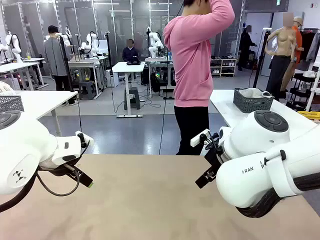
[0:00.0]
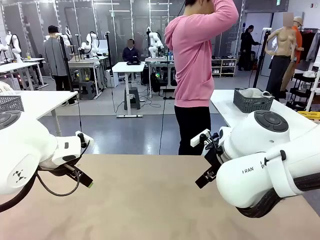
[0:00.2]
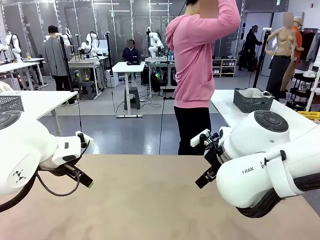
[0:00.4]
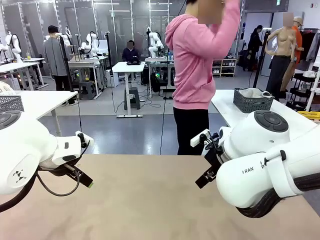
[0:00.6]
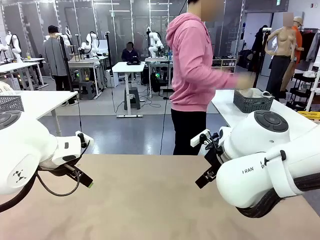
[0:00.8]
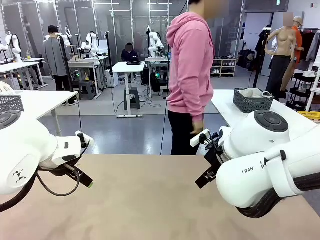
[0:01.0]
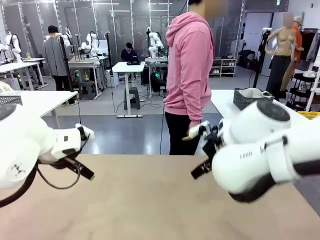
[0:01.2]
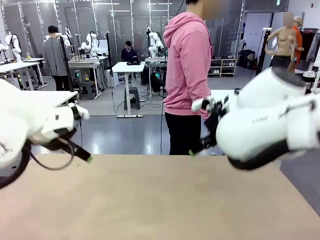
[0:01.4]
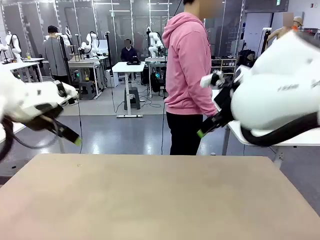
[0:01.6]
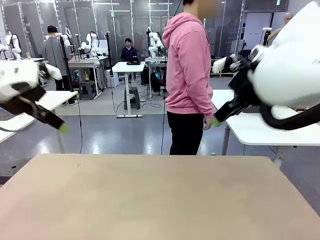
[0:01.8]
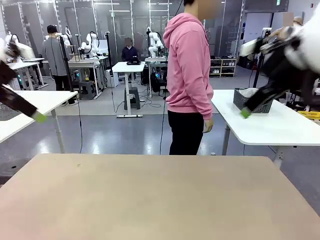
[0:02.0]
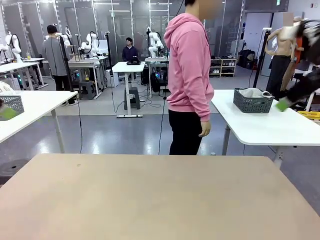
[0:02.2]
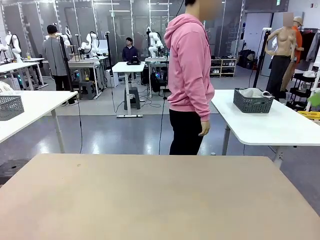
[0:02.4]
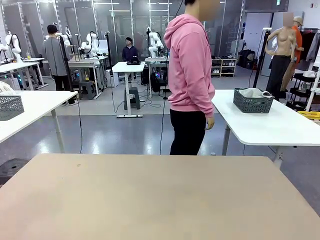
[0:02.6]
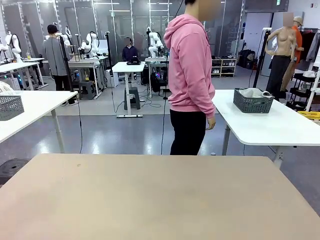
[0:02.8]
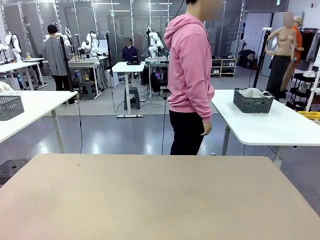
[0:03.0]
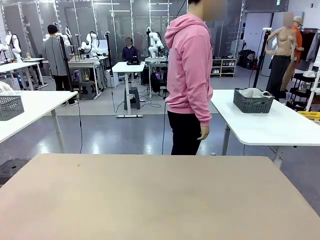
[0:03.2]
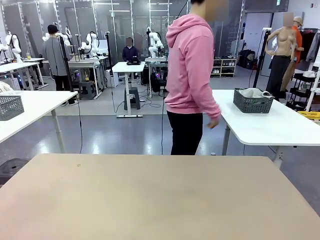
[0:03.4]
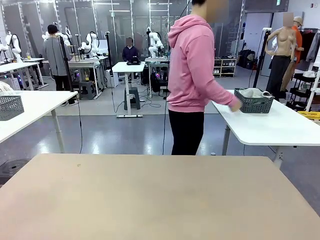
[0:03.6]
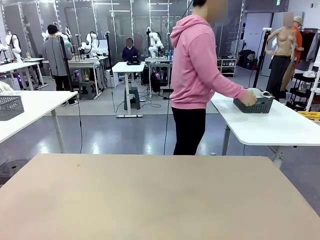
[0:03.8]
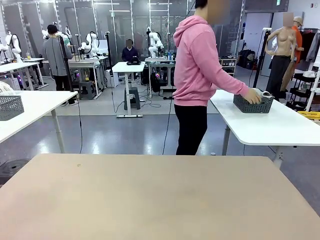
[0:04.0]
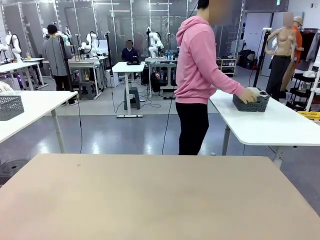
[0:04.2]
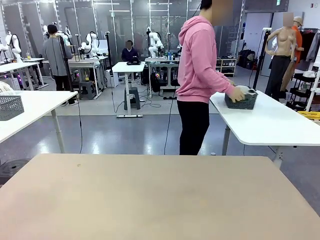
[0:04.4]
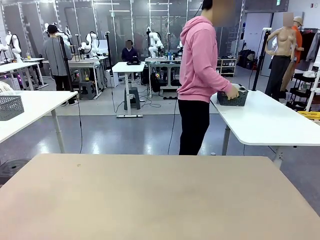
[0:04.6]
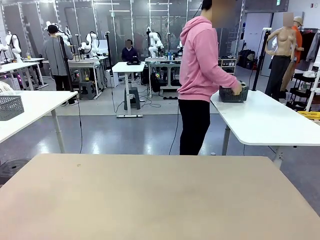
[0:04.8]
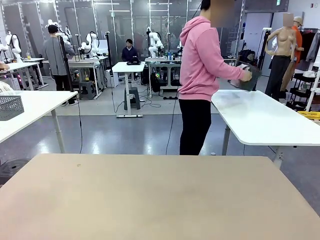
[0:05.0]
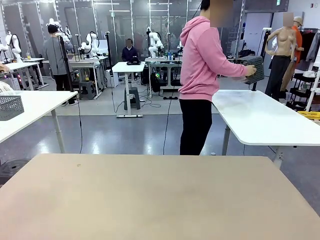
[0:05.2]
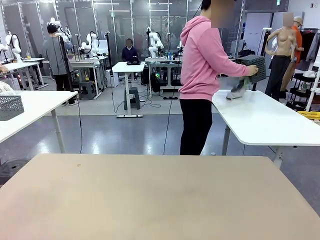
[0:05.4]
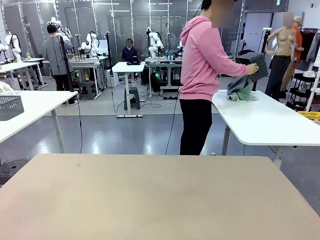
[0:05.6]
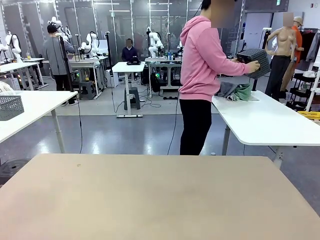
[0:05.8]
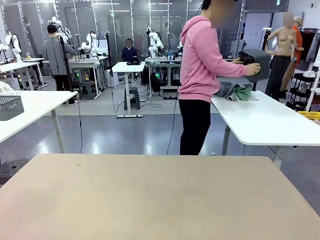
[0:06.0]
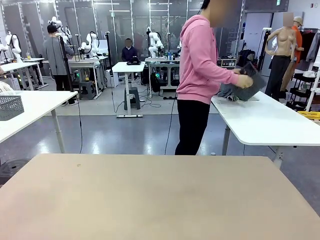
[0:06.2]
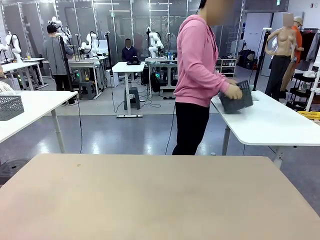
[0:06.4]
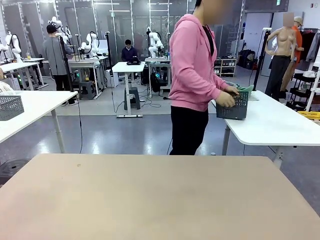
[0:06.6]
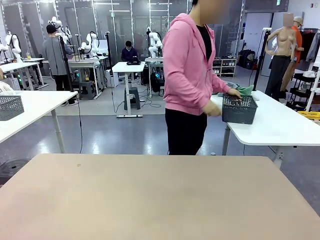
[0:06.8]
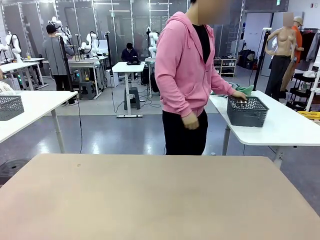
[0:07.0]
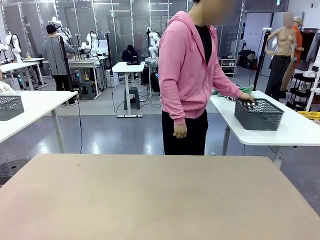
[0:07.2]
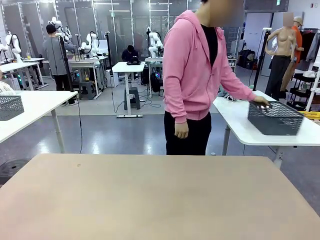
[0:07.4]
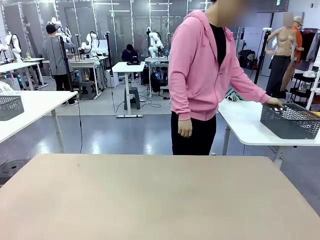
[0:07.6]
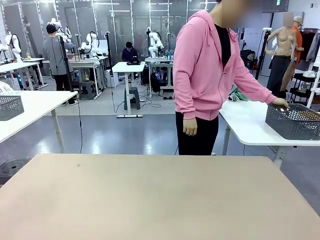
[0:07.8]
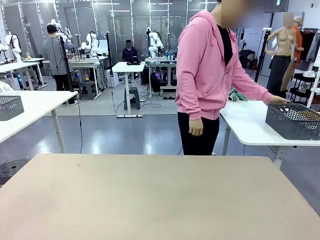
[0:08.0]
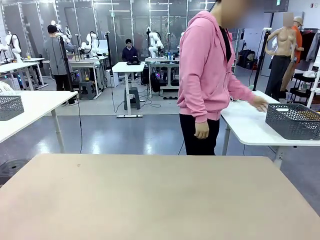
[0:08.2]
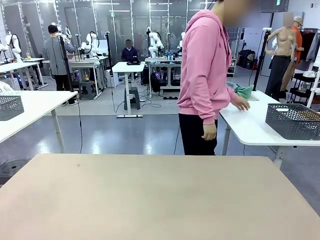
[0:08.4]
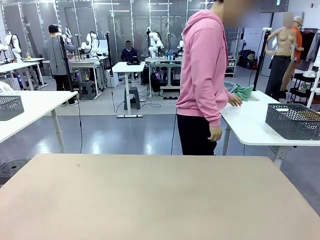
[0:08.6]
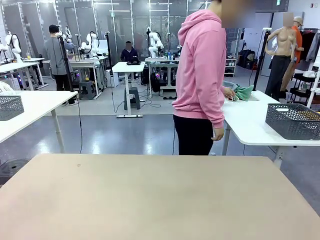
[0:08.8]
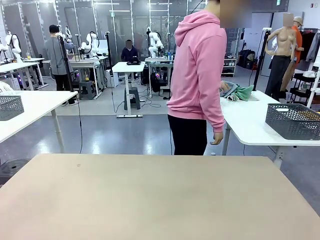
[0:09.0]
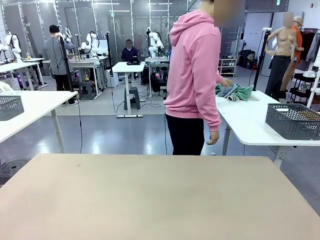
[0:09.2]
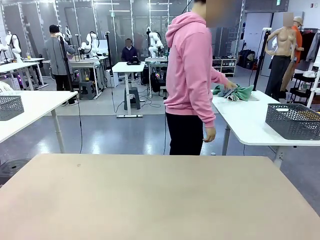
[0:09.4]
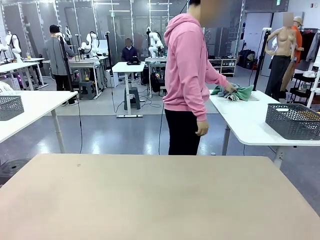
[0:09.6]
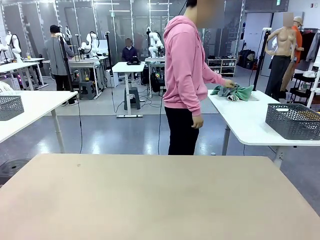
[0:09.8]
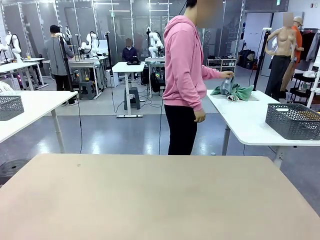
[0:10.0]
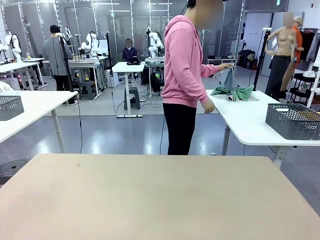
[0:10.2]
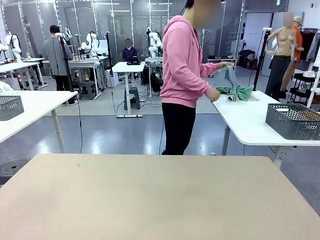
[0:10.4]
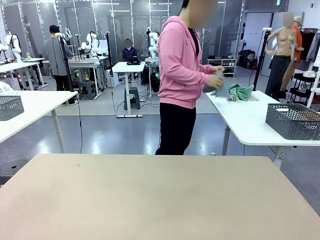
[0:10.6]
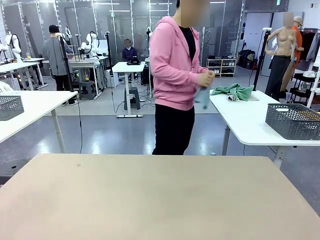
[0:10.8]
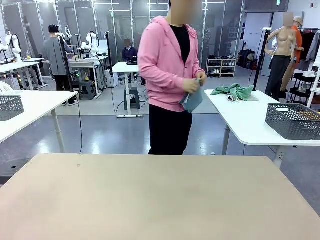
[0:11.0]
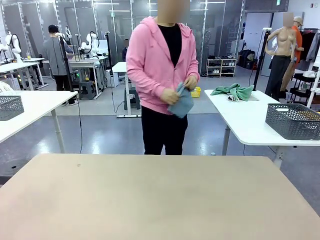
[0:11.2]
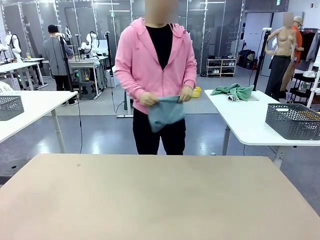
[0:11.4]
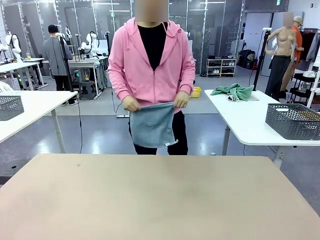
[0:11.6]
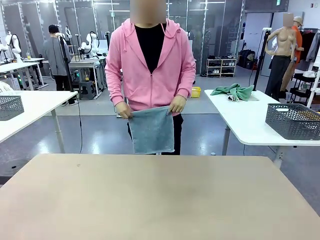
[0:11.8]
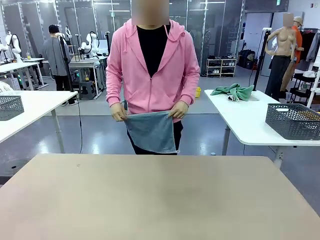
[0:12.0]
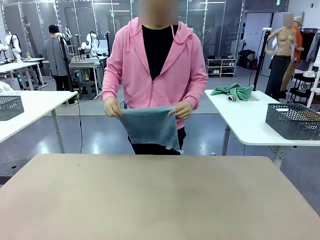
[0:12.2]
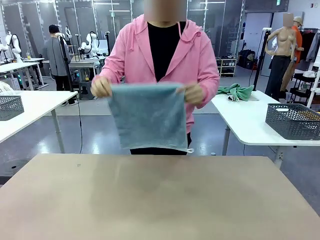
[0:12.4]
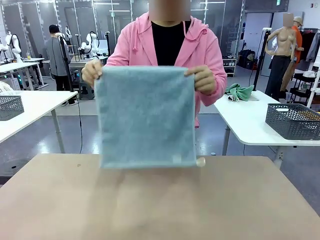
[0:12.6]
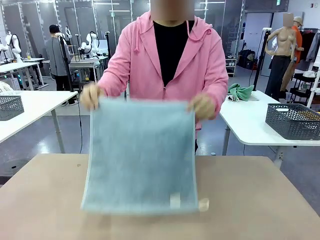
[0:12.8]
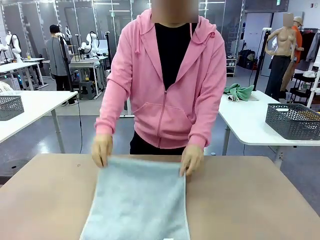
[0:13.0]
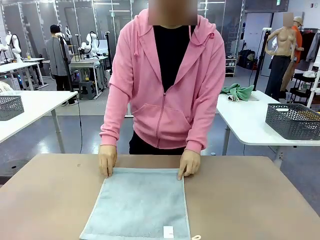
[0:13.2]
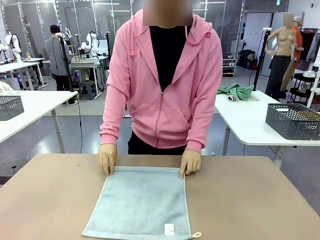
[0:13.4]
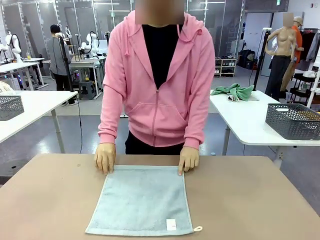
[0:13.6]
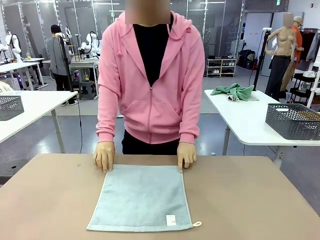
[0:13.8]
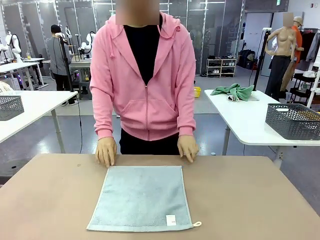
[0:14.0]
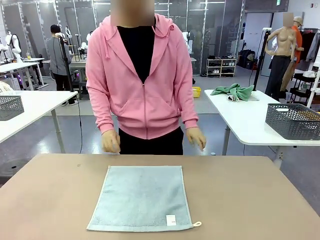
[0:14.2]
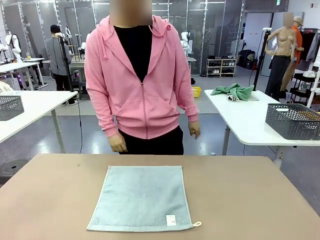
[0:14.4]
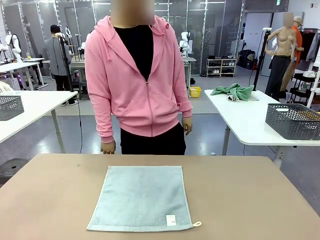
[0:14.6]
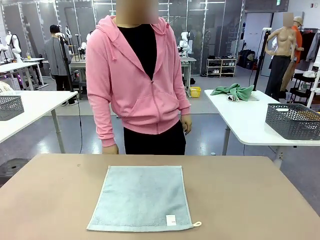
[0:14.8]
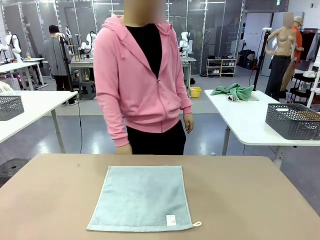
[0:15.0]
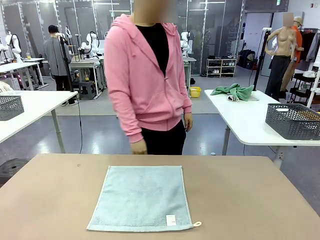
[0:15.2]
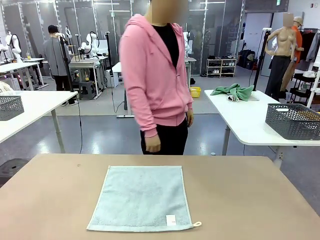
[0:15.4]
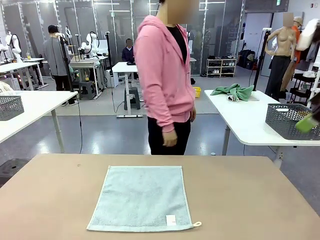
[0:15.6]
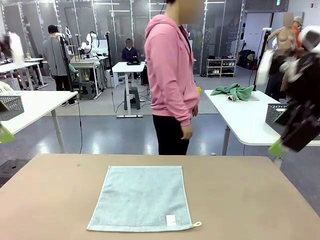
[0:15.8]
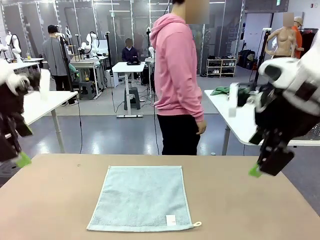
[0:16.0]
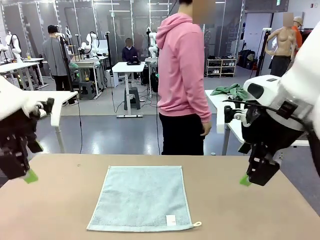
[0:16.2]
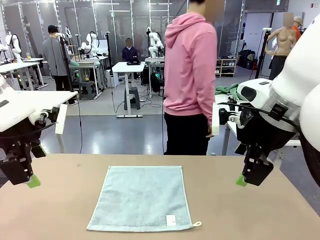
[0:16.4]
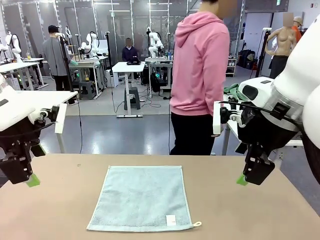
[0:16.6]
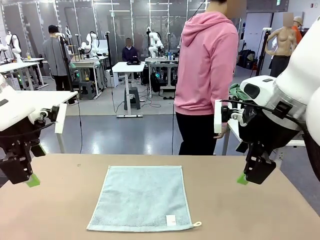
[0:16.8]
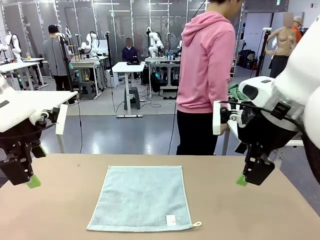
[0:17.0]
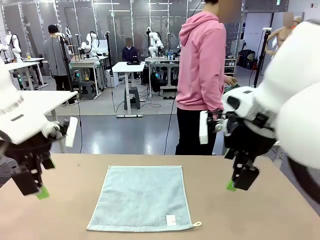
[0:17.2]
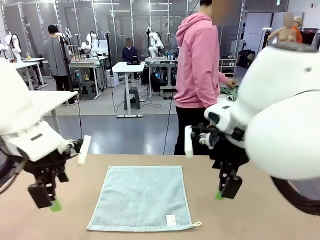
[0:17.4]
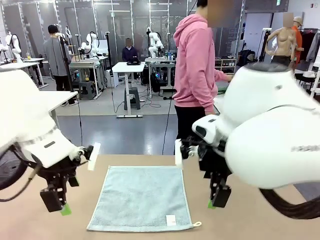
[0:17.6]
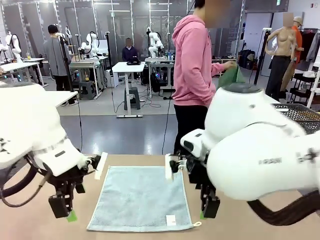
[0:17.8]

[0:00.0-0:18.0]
Task: Fold the towels and place them in the basket.
Robot: When a person lays out a Towel with hook on the table, fold it in half twice.
Person: Pick up the basket, pour the towels onto the left side of the human table, and place the basket on the right side. Pick up one towel and spread it out at the center of the robot table.
